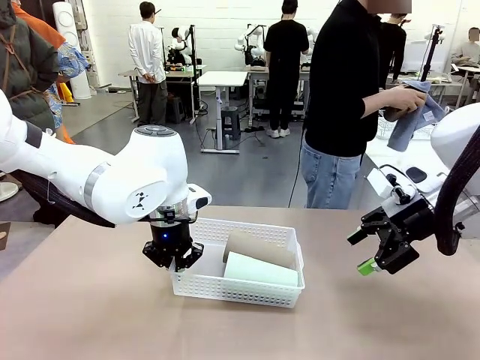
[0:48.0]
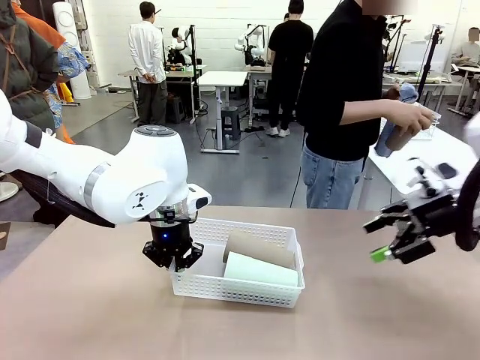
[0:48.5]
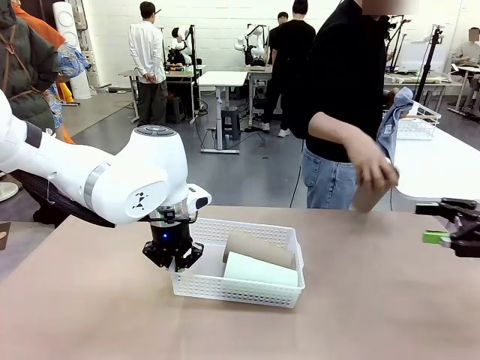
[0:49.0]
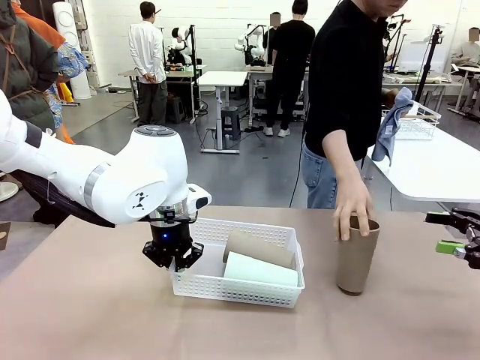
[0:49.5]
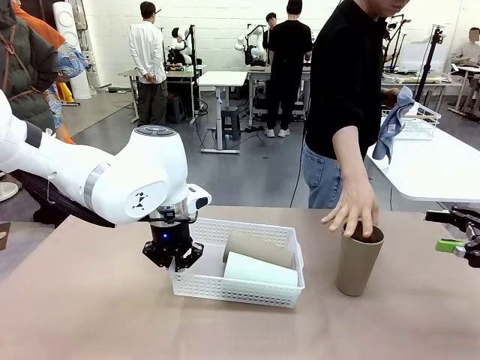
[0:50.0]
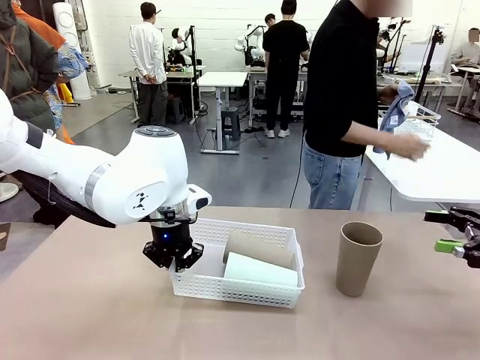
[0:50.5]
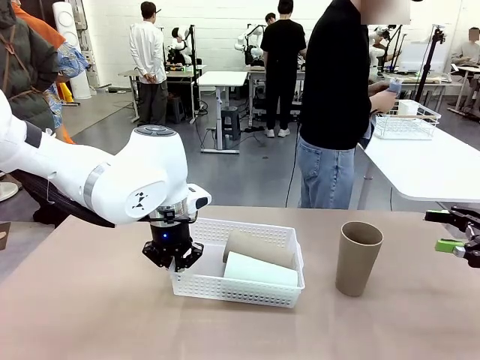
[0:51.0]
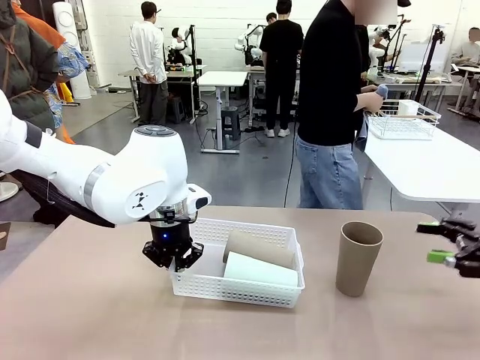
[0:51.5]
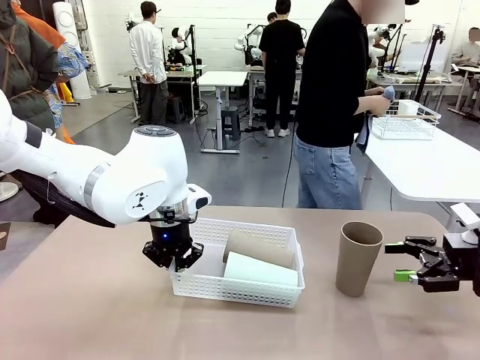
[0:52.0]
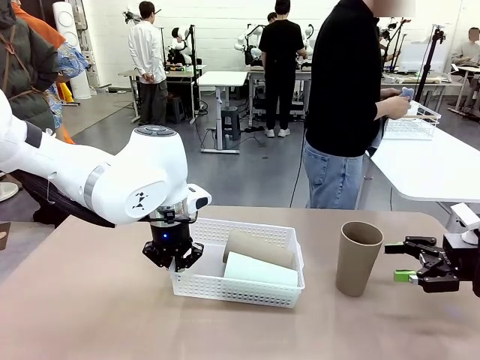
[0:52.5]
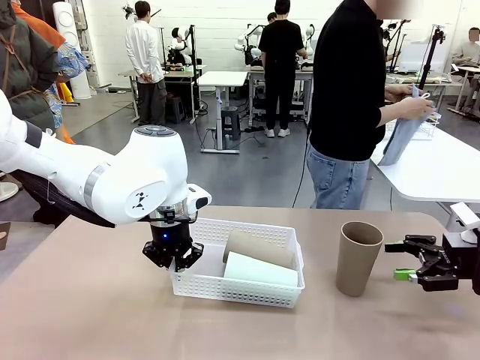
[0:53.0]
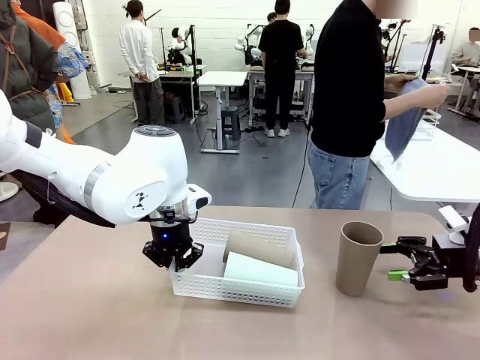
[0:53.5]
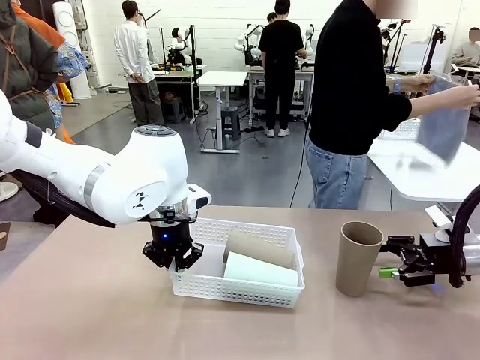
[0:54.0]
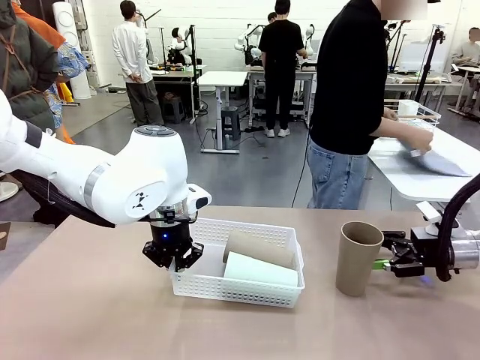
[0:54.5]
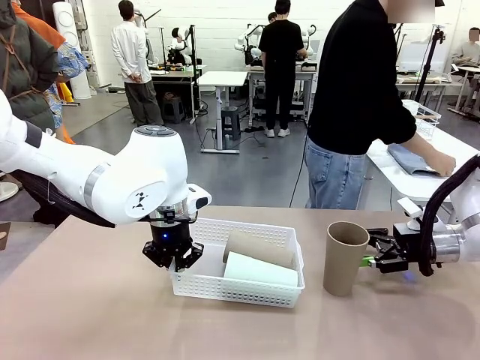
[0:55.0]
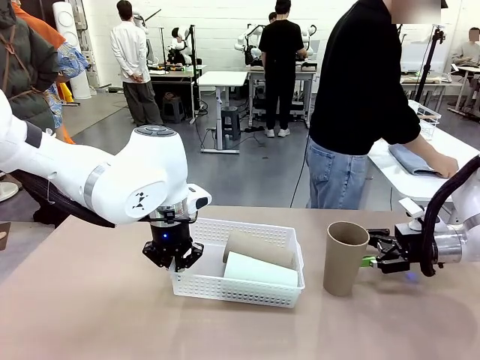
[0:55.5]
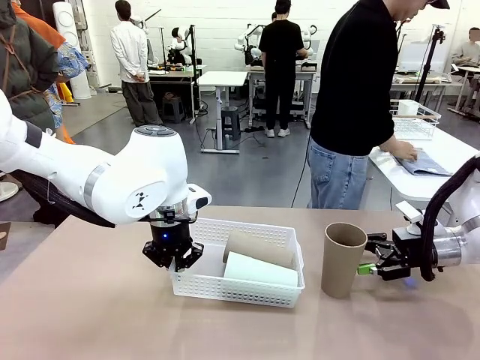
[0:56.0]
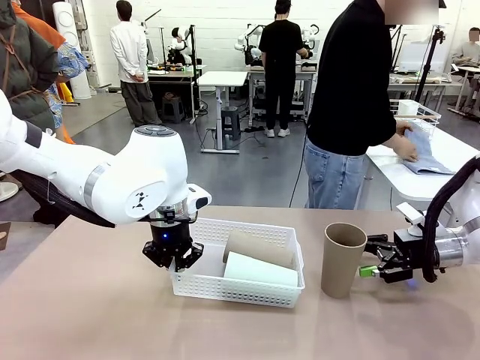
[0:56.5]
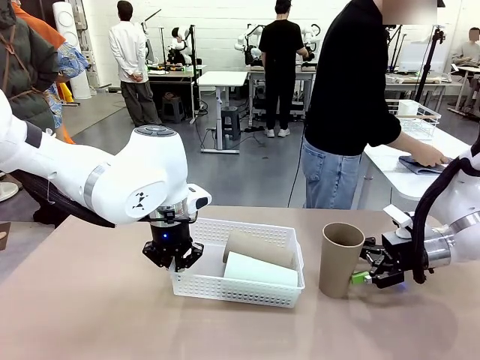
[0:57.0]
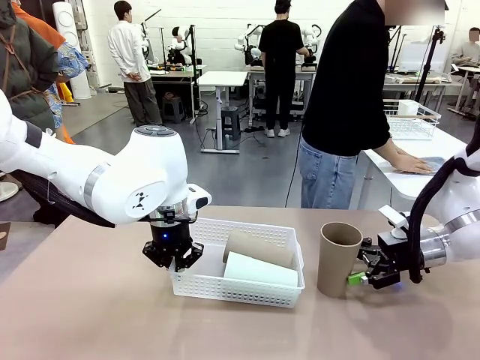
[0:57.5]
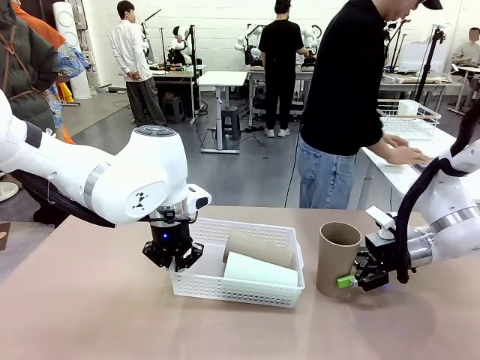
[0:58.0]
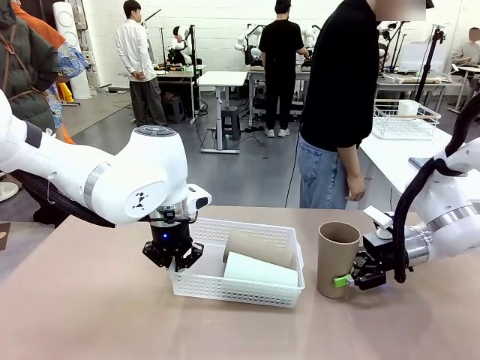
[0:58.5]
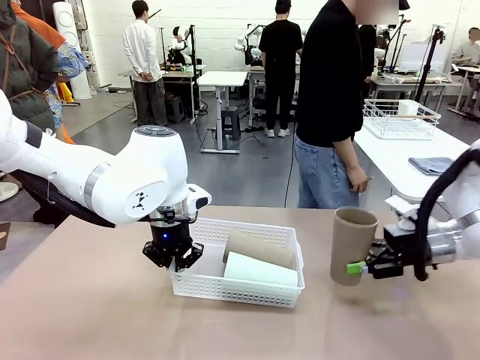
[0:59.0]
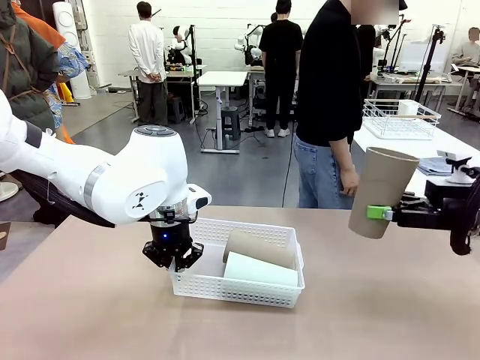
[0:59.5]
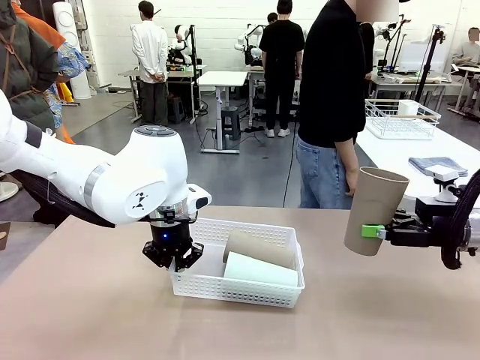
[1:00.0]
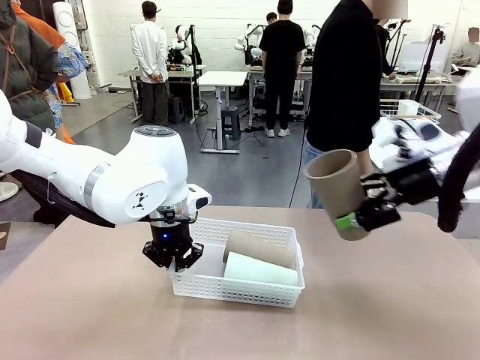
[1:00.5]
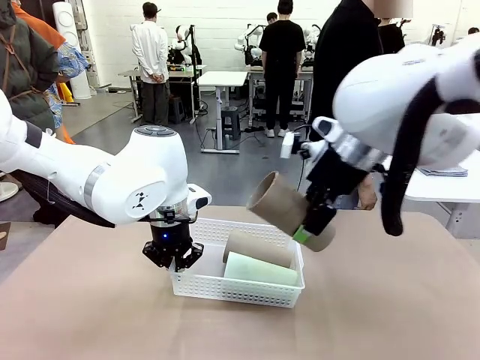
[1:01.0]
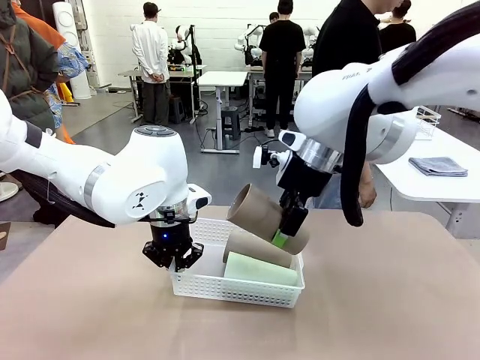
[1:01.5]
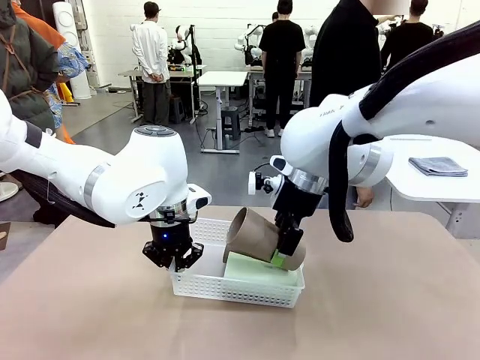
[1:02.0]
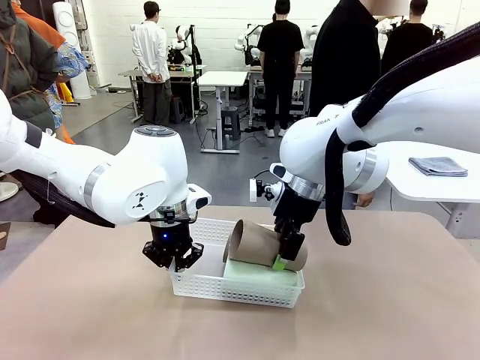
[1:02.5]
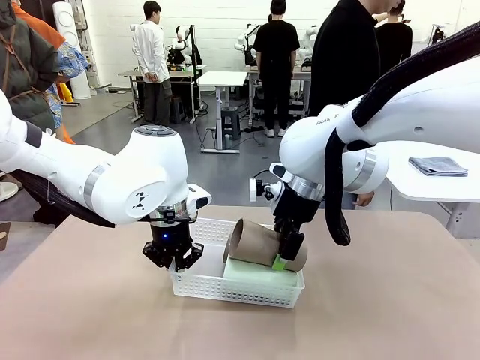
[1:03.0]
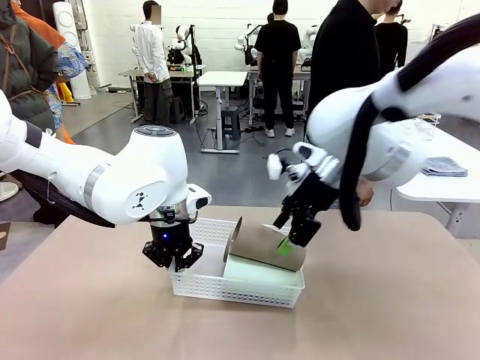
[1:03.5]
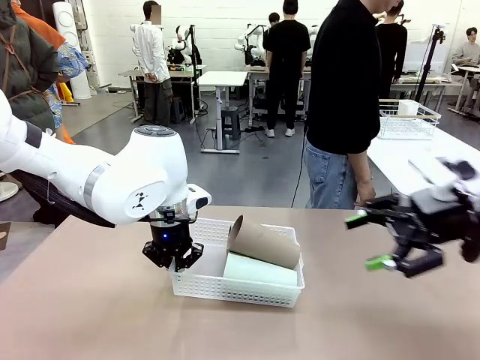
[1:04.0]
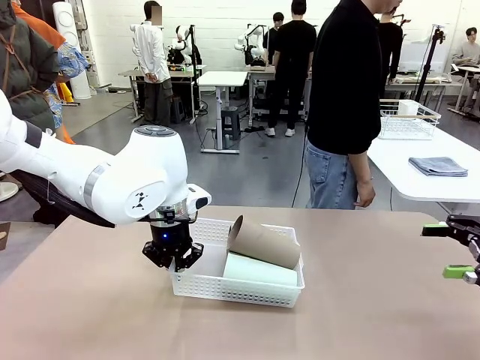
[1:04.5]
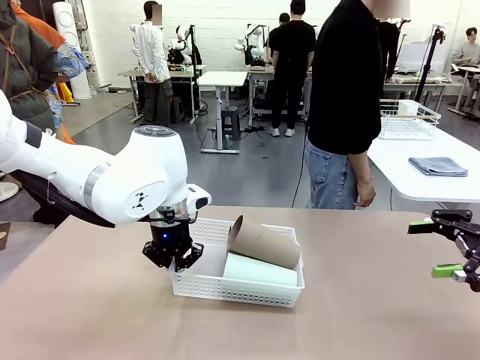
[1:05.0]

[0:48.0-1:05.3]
Task: Clean and organize the cups into the basket.
Robot: Pick up the Reusable plastic cup from the right side of the table and stack it inside the Organizing basket in the center of the table.

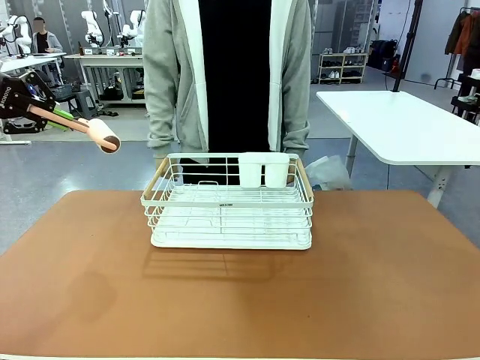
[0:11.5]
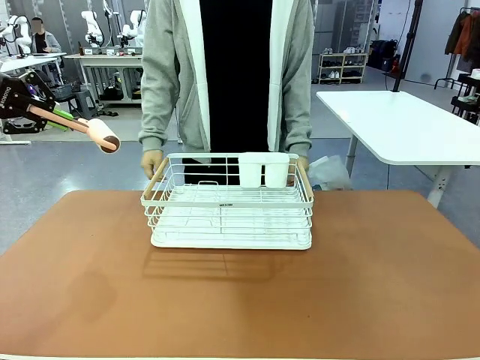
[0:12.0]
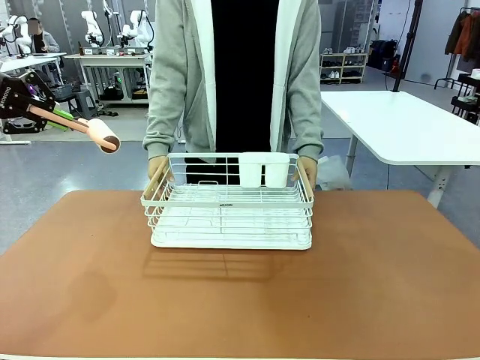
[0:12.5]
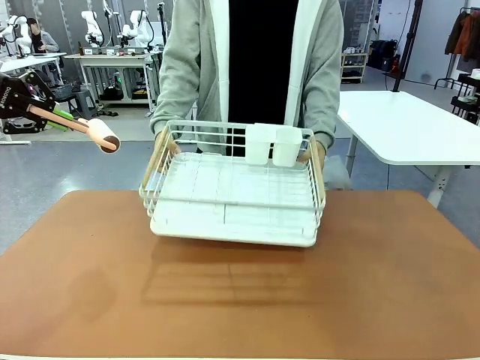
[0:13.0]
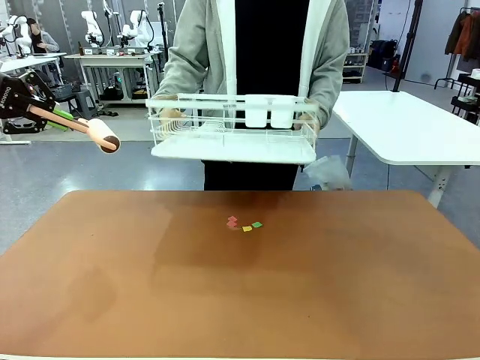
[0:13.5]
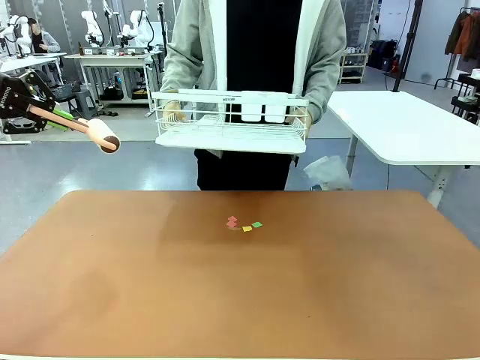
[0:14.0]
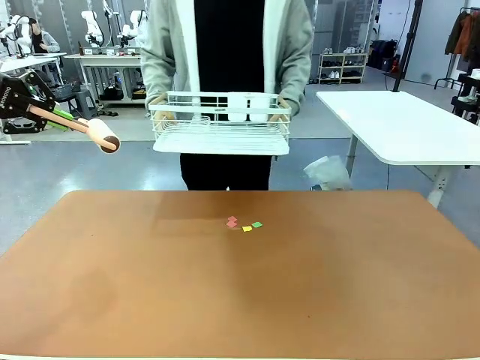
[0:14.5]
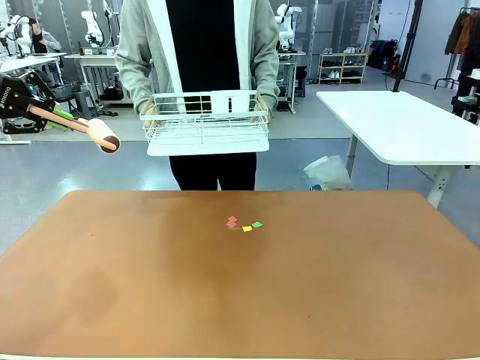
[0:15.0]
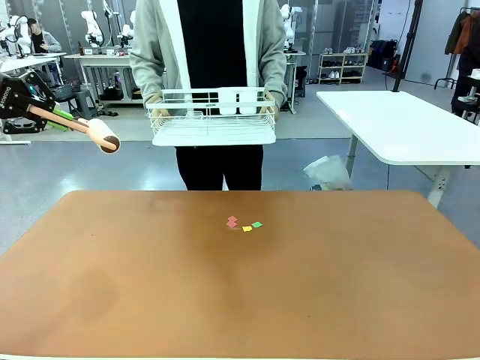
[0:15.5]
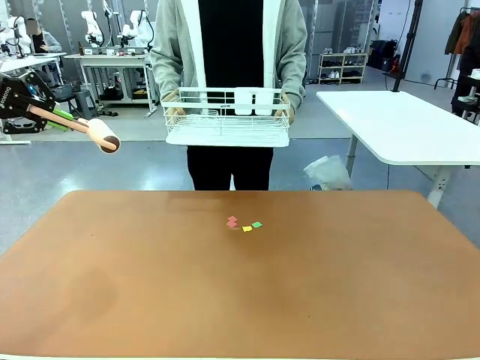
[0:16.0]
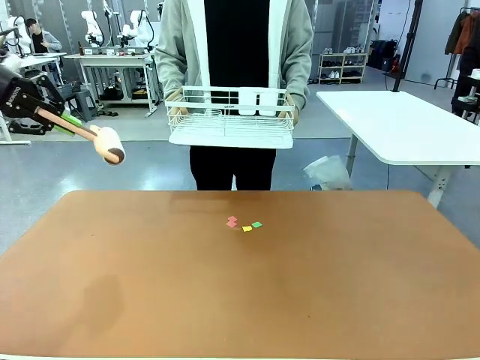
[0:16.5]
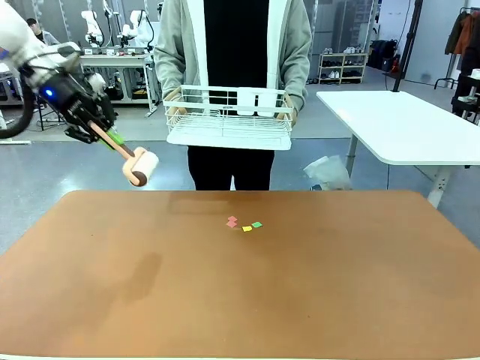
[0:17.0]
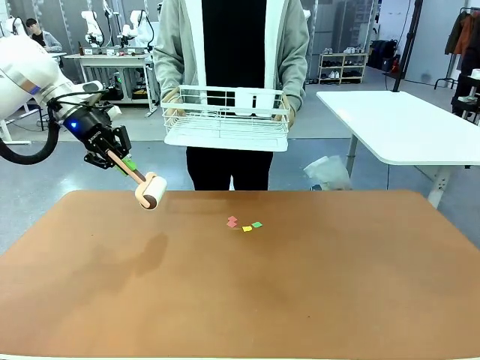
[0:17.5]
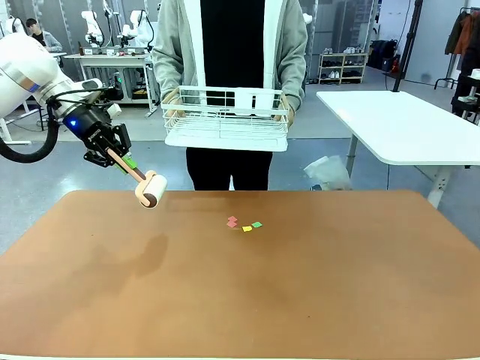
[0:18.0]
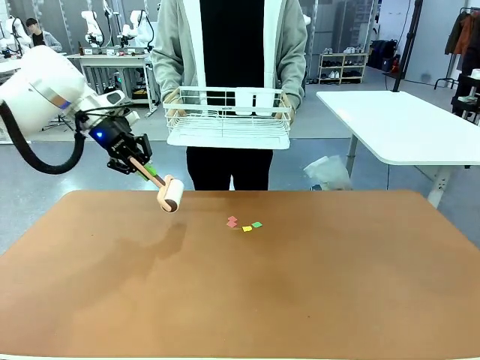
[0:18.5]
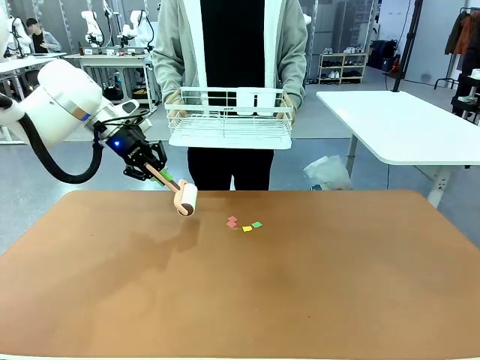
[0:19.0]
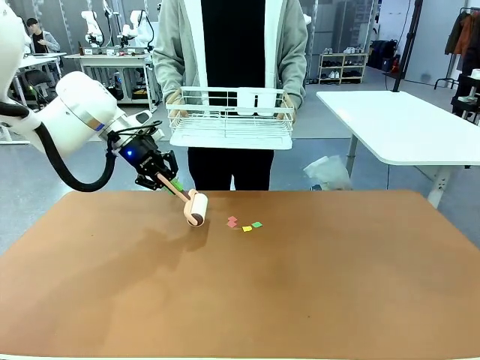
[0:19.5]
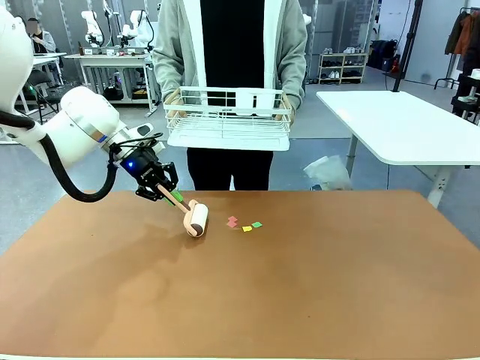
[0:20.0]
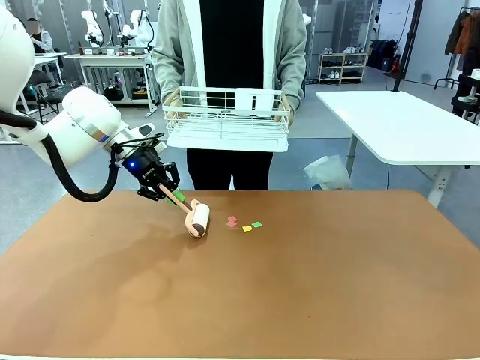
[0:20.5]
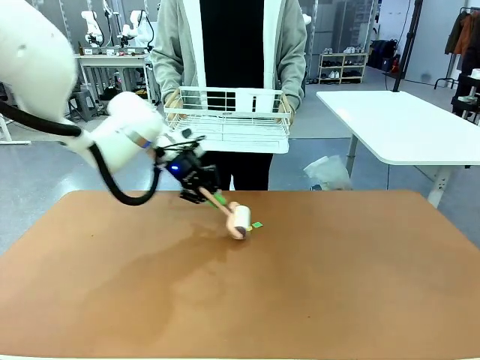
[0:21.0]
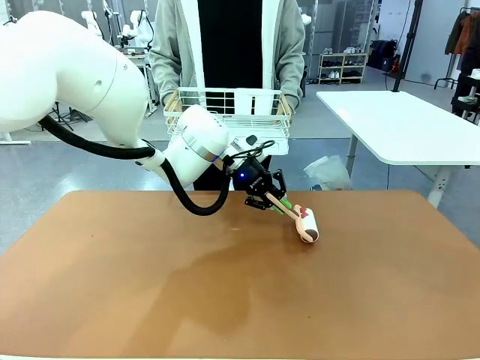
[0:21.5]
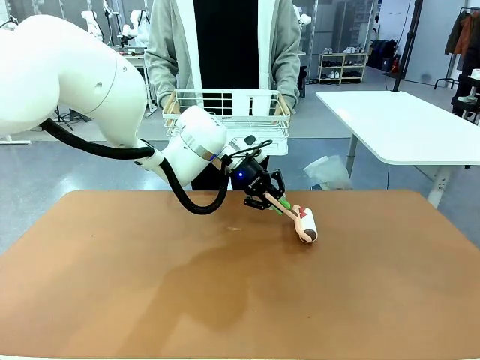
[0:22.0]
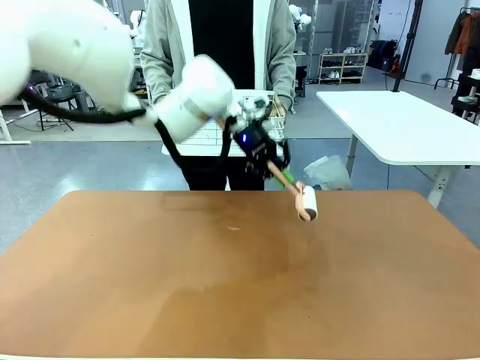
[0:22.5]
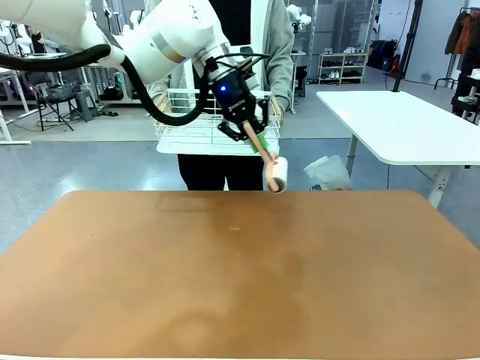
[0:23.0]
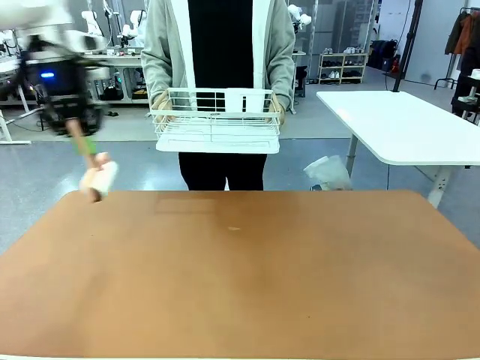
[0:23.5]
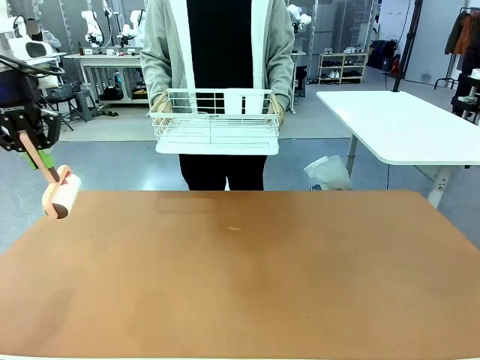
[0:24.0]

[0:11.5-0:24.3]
Task: Clean the table.
Robot: Clean the table with the Lint Roller when the human lifts the Dish drying rack.
Person: Place the Dish drying rack down when the robot finishes cleaning.
